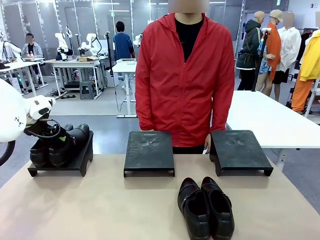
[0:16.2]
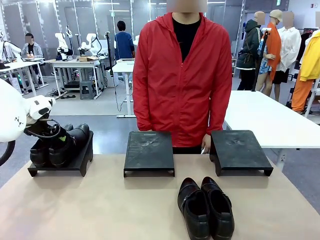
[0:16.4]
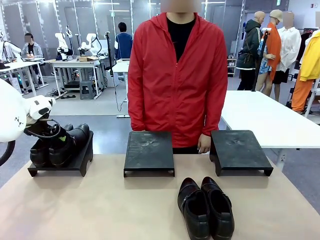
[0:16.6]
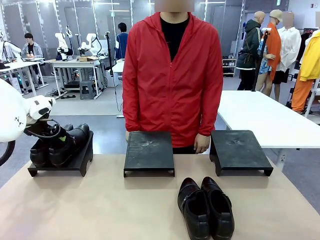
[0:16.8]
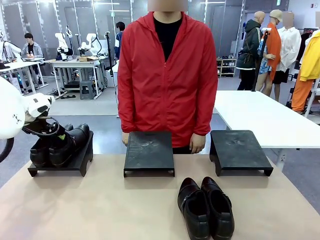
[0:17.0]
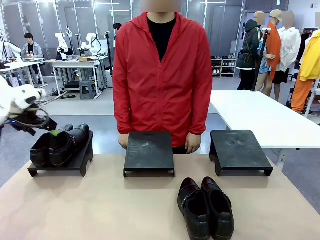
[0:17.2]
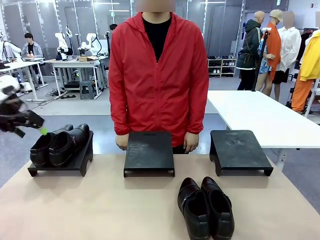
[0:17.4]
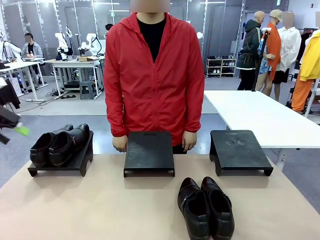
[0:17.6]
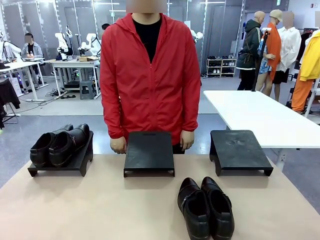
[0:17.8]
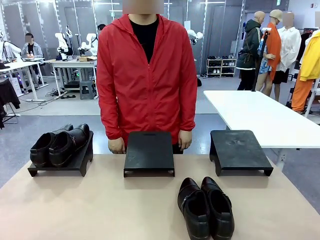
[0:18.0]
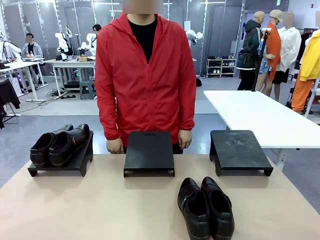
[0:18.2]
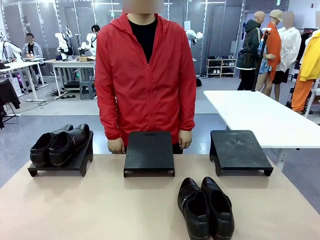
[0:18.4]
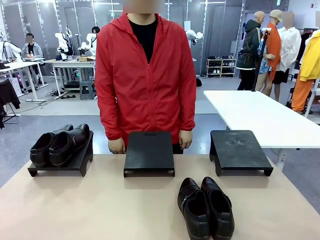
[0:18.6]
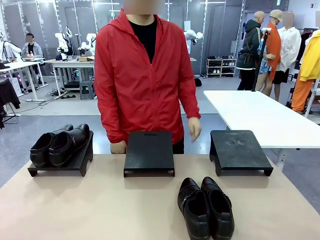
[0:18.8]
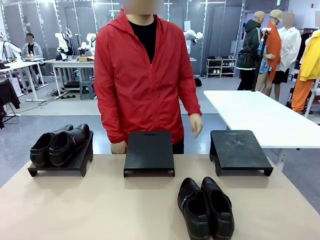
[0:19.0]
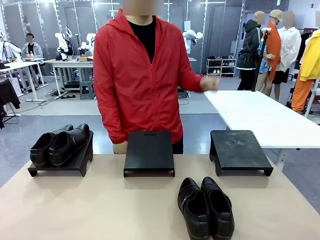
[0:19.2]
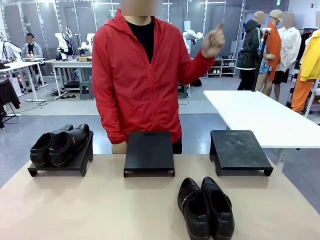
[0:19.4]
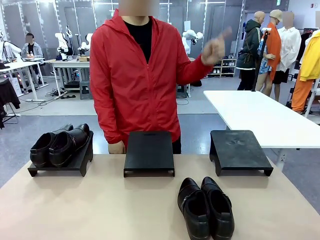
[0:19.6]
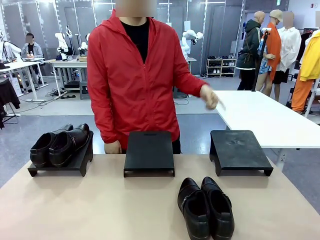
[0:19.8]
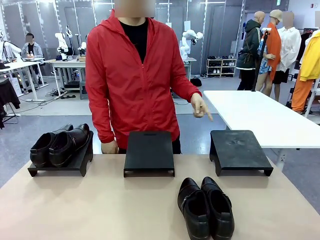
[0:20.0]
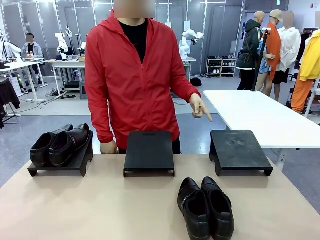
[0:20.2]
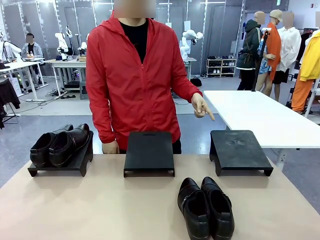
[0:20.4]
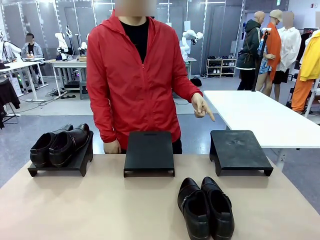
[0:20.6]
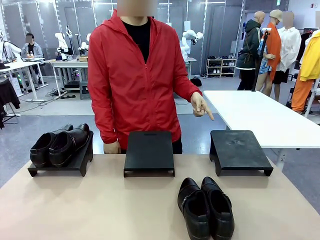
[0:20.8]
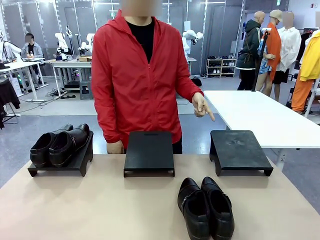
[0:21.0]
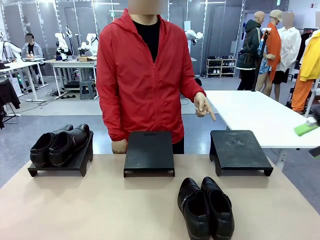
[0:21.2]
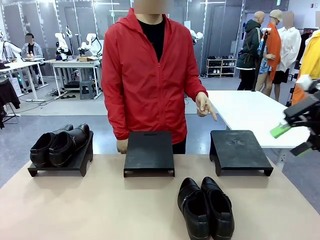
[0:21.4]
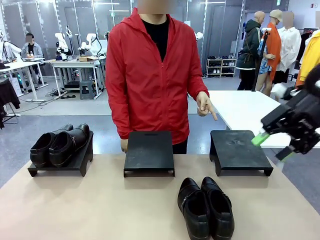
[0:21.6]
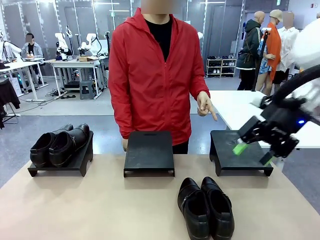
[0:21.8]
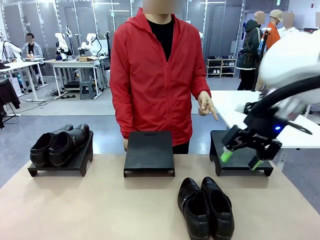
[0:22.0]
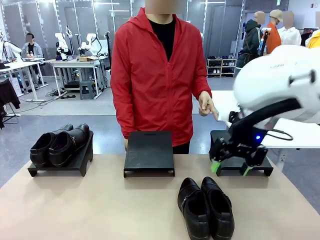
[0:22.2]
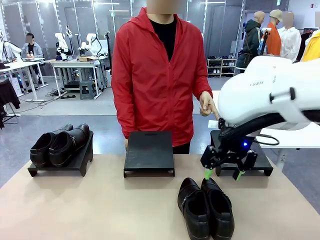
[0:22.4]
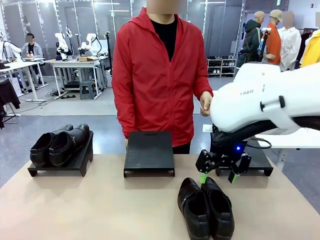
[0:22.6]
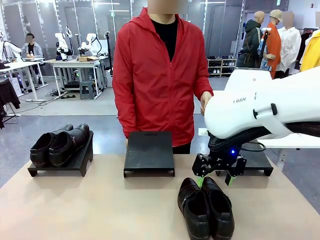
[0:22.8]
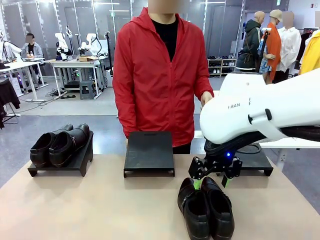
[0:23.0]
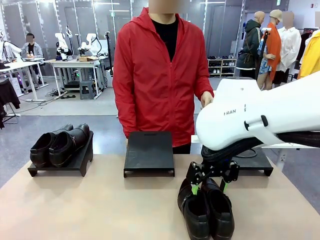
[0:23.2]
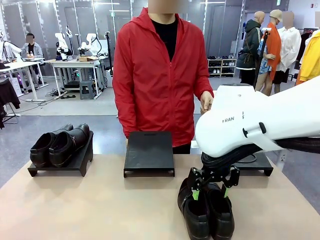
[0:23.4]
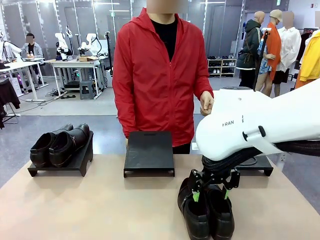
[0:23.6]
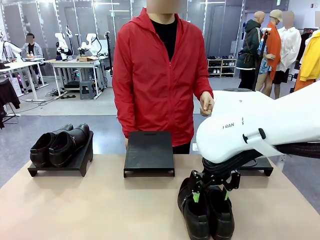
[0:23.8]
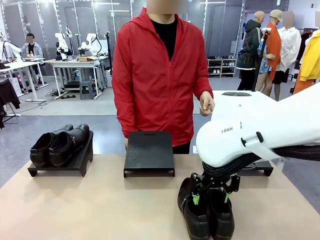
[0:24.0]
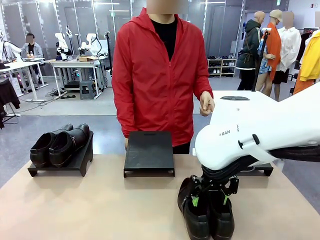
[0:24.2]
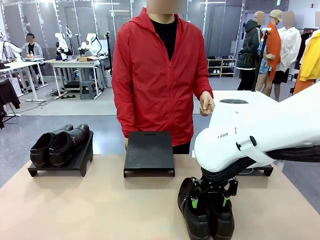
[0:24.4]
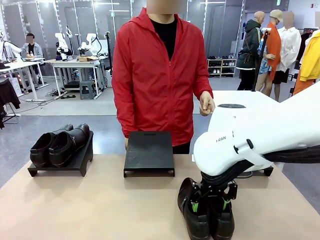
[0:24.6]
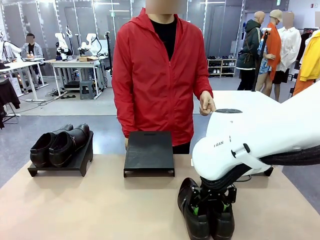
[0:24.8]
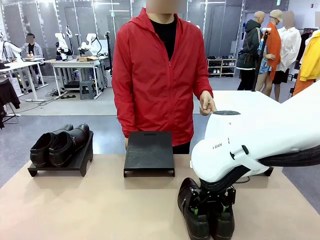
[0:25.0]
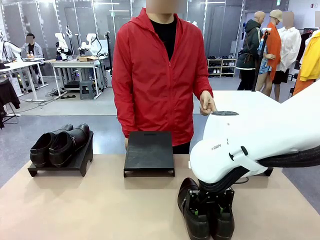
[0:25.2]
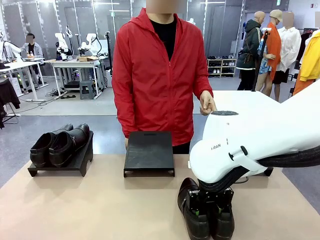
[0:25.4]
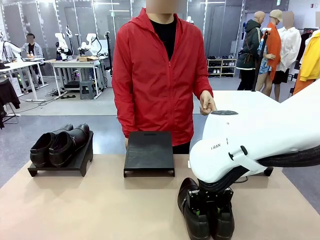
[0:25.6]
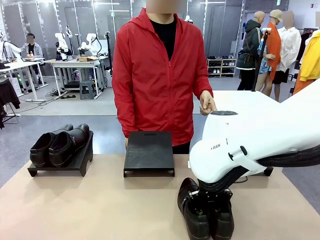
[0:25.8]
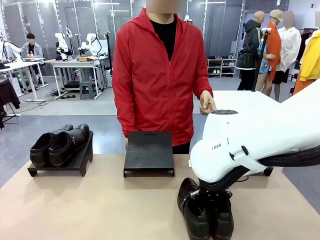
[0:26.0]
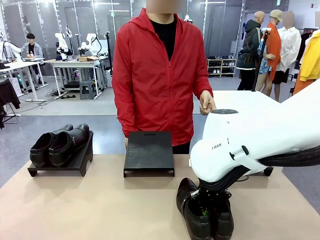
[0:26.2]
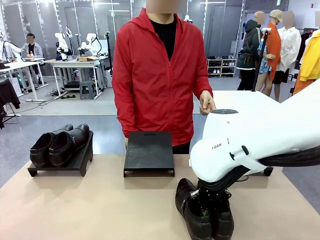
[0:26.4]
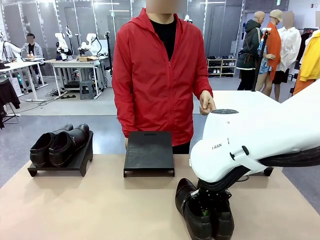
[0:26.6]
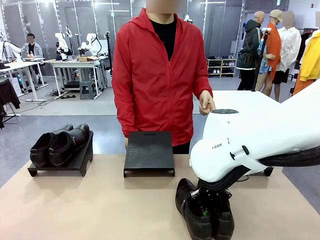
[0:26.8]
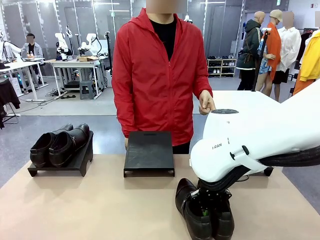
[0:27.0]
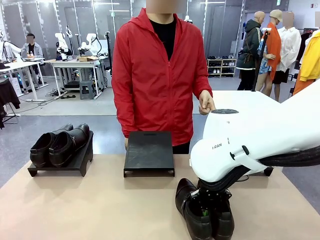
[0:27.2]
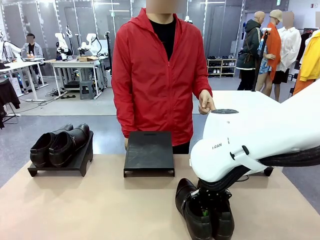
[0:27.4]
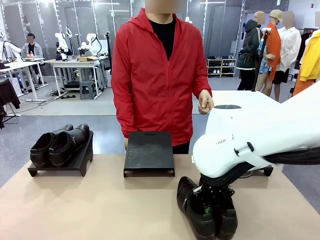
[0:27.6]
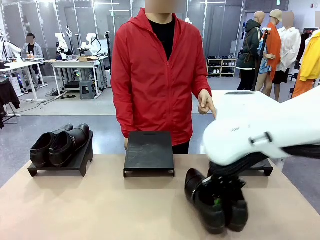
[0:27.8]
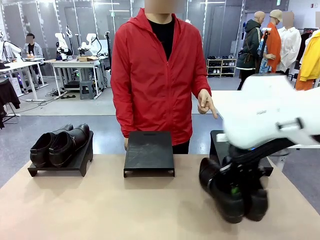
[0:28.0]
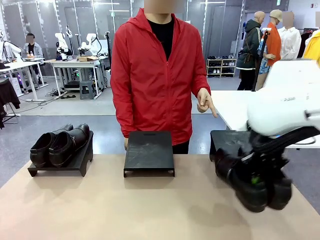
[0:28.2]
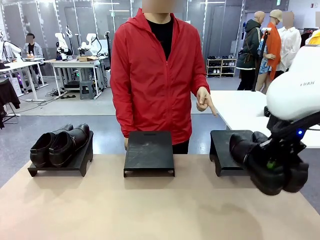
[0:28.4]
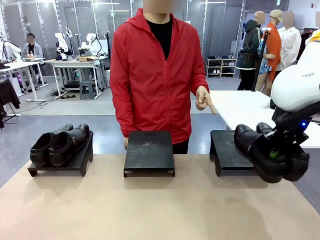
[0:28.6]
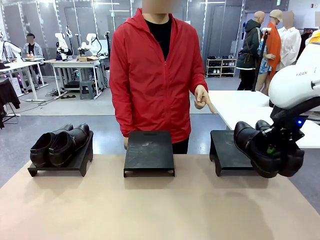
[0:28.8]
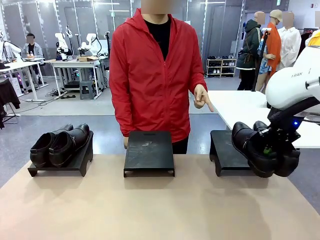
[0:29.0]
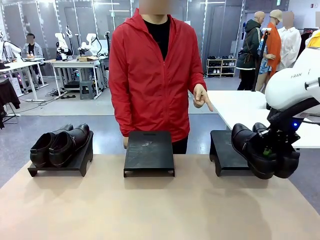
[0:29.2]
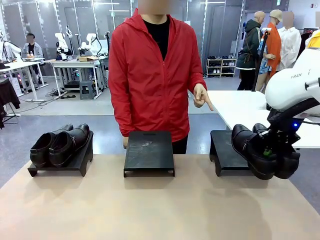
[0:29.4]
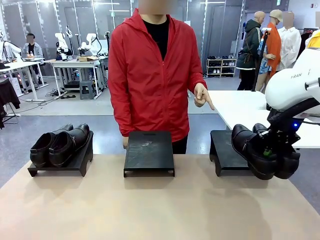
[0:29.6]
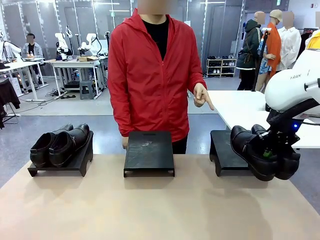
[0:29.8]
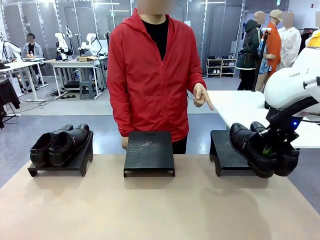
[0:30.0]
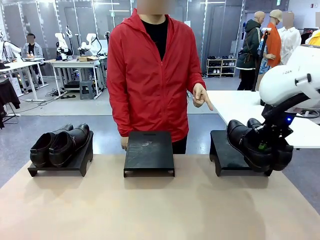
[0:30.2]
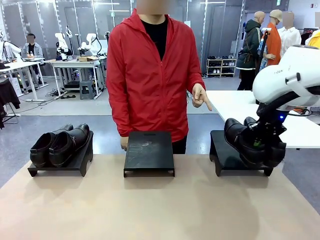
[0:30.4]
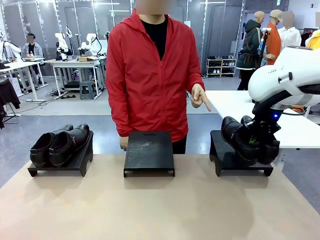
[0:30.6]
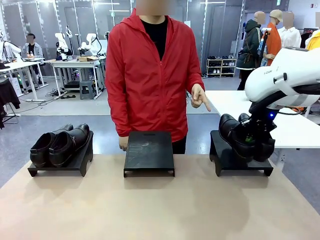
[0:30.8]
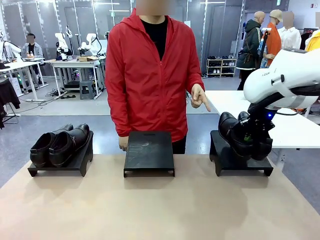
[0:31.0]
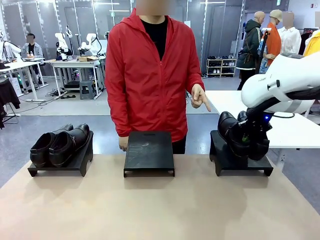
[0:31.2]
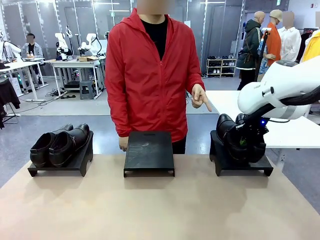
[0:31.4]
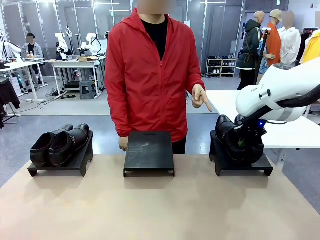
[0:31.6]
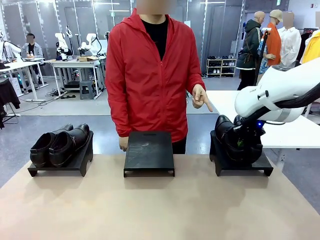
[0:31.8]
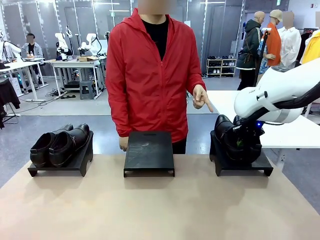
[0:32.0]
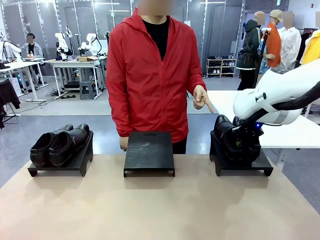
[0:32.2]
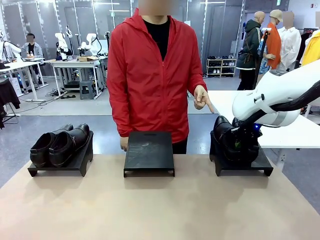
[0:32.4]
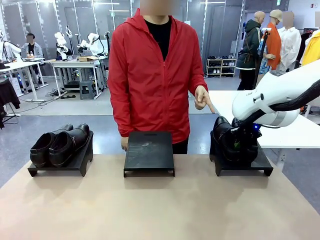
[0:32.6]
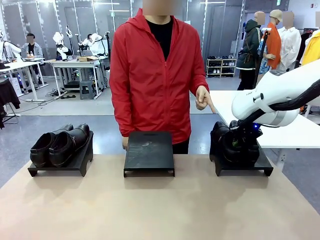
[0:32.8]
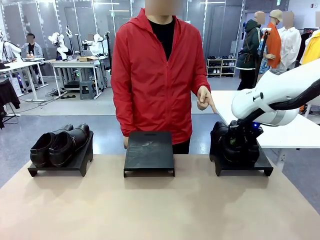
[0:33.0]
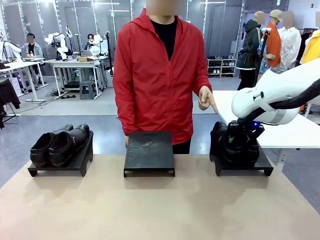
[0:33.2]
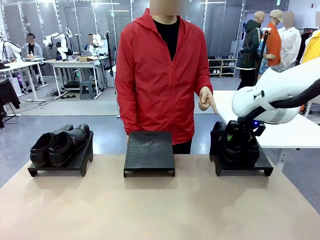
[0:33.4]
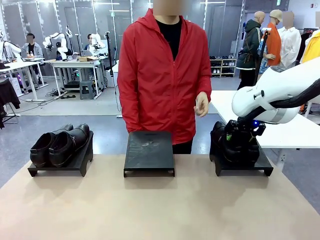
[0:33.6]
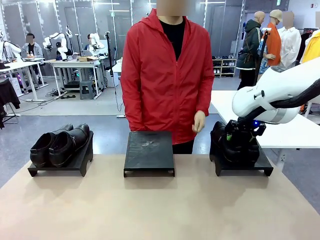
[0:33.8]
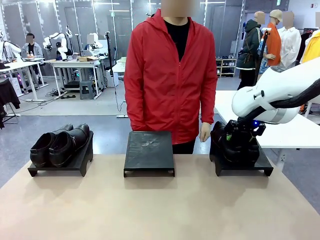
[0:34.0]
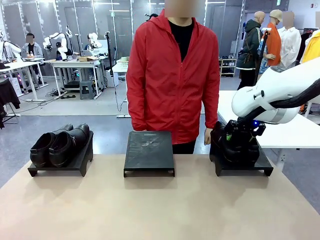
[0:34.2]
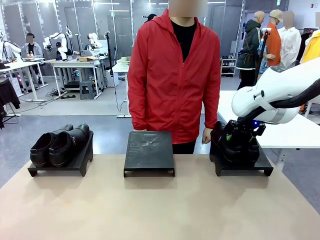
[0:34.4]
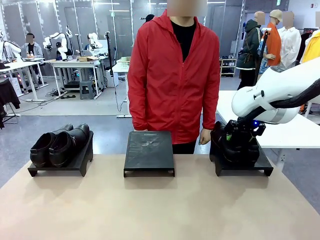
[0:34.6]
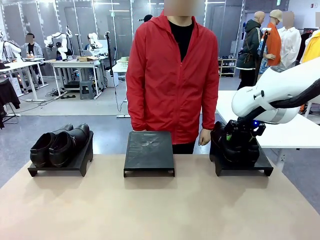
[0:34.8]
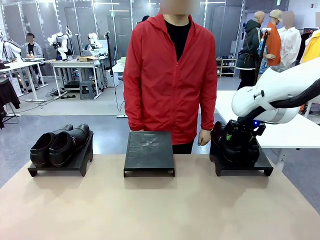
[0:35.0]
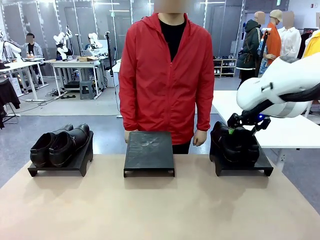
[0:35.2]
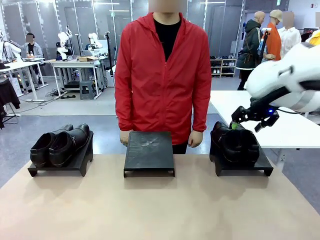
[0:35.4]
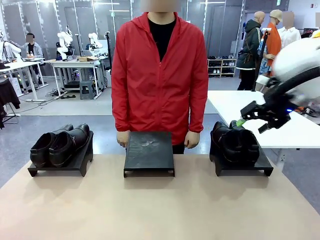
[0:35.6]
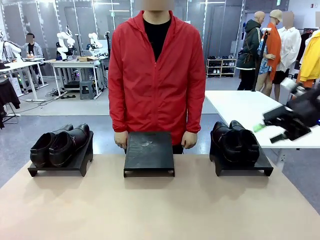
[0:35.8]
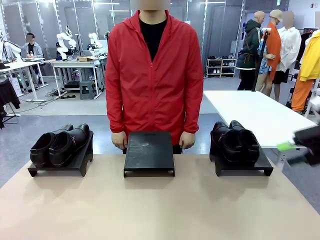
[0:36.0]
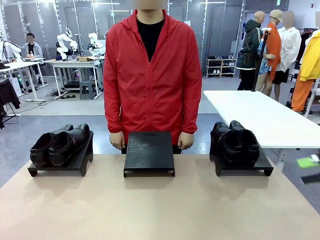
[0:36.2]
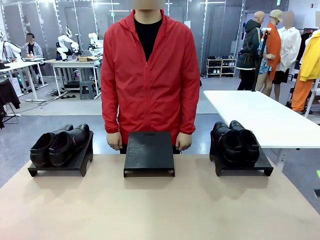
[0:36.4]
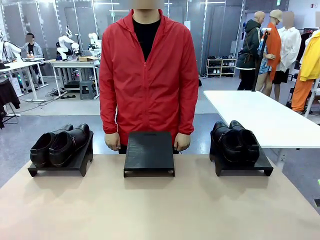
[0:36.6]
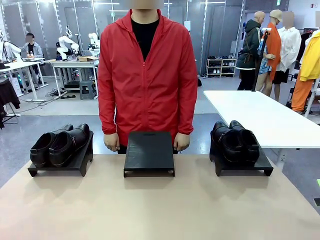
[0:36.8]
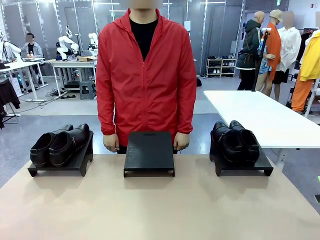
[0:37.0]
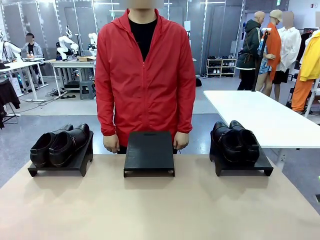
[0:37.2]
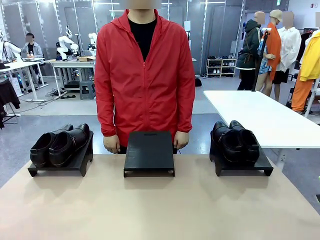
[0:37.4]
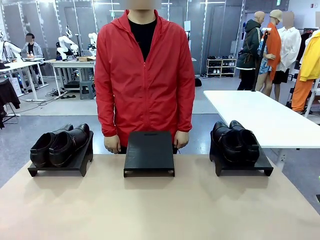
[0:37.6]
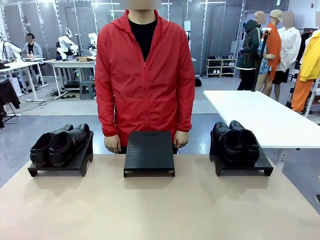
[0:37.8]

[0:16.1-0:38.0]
Task: Place the shoes on the stand as instructed by the person.
Robot: Pick up another pair of Shoes and place it on the Shoes Stand indicated by the person.
Person: Point to one Shoes Stand.
